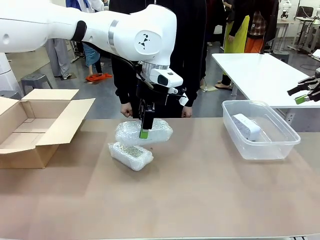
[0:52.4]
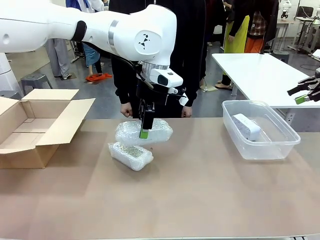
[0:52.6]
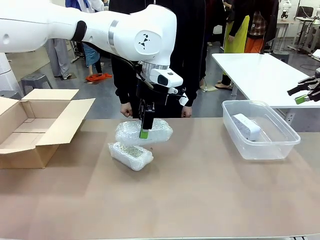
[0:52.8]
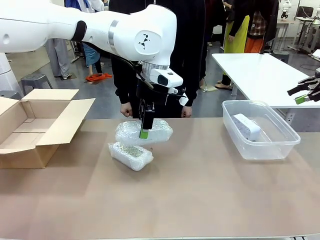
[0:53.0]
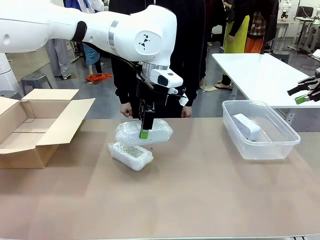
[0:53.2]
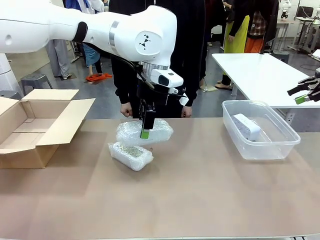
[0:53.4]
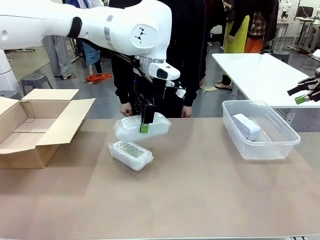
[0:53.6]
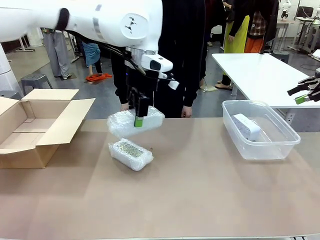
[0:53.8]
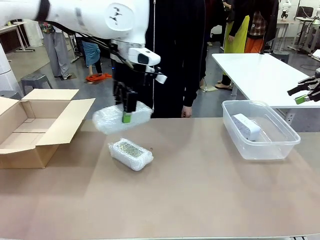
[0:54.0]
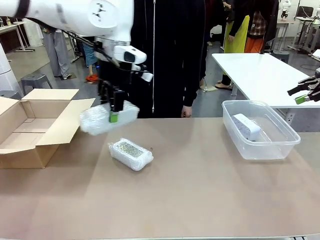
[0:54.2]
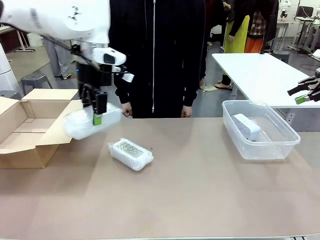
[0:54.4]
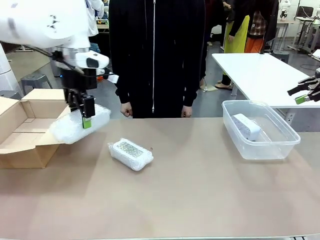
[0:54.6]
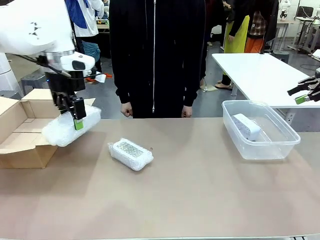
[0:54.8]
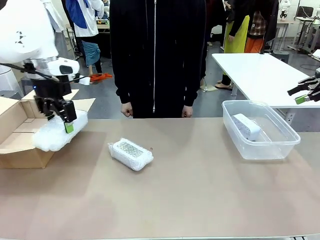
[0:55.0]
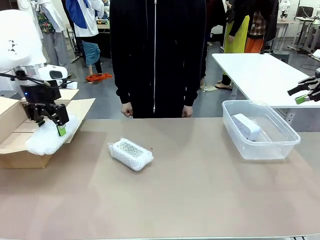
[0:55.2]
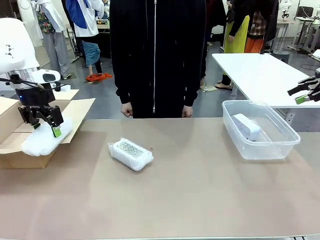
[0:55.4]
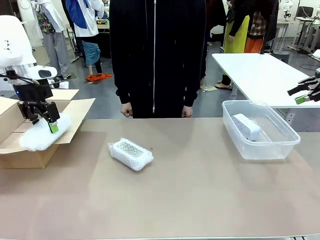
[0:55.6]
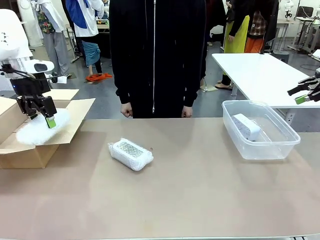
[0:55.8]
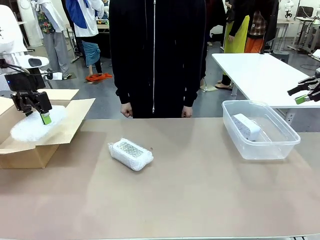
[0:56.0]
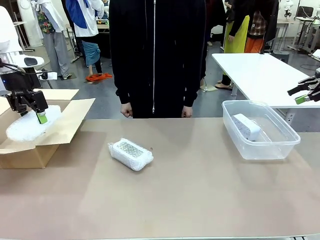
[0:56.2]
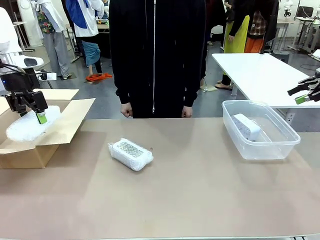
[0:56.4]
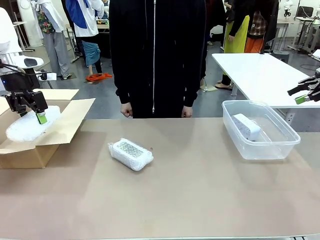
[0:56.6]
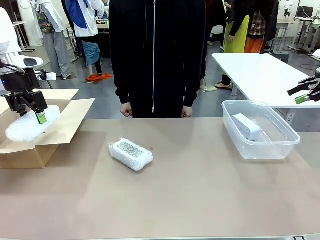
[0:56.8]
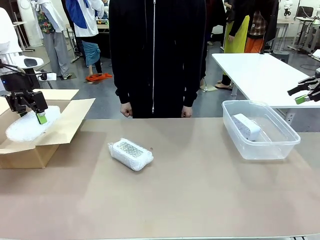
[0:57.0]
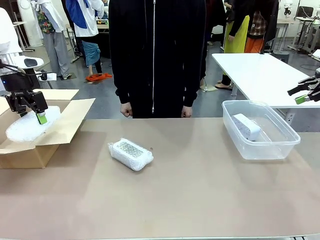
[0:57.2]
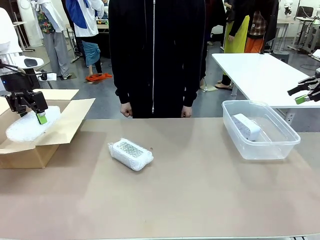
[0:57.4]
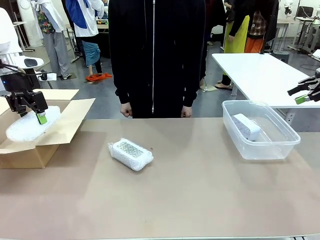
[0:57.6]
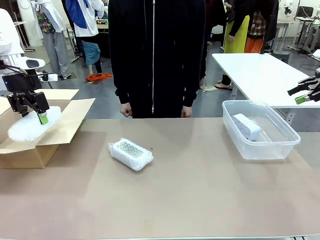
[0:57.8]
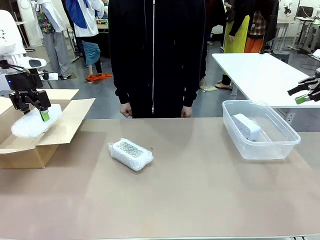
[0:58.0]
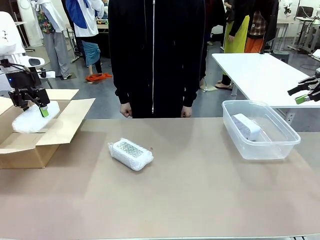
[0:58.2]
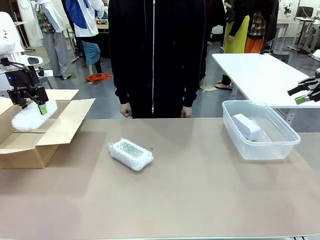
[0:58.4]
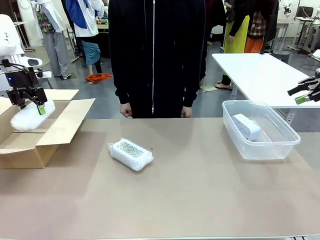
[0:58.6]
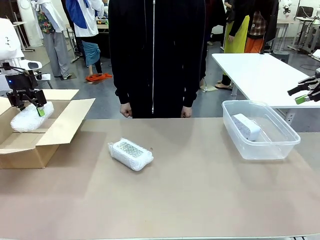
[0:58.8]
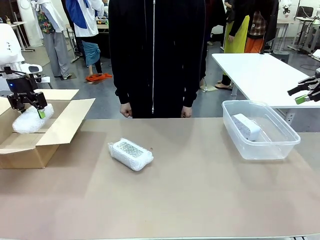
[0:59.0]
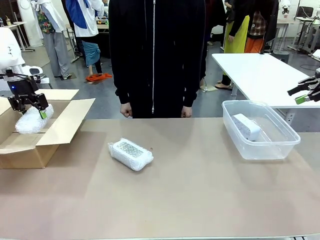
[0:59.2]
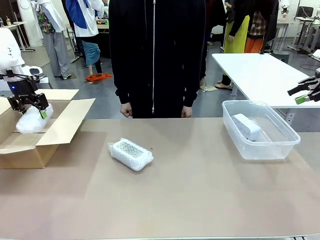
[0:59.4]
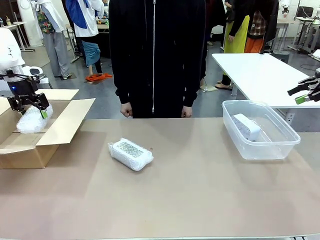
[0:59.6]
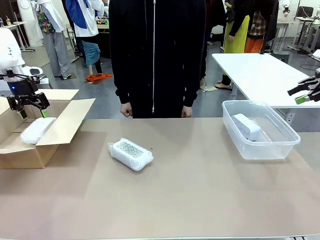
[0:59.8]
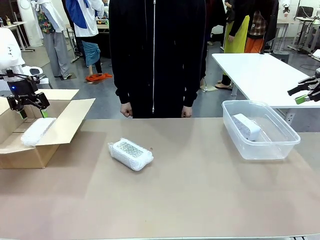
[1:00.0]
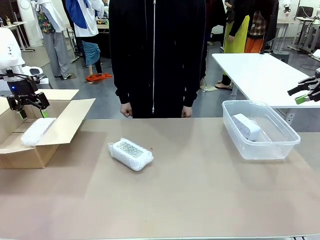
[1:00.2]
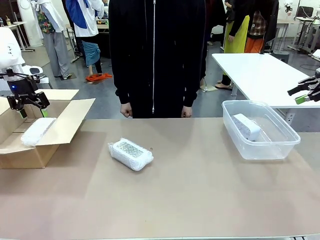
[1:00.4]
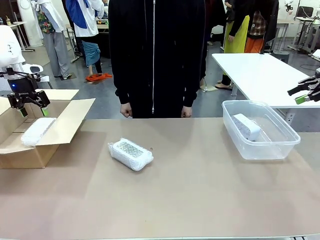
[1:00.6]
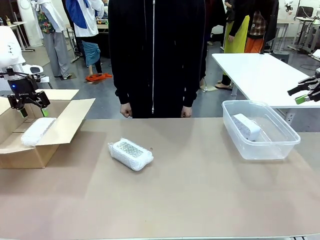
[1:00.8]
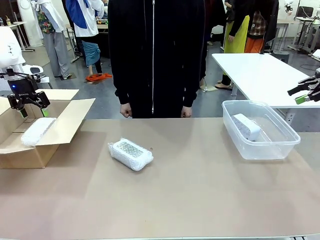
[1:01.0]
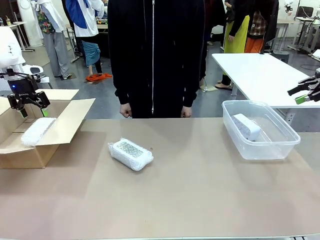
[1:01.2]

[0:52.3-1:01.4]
Task: Separate and place wrapped and unwrapped clocks.
Robot: If the picked Digital clock is wrapped, place it in the Package Box ; if not, place it in the Organizing box.

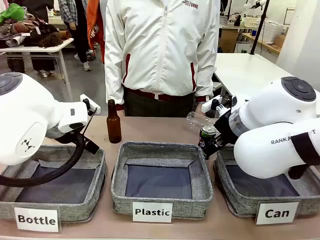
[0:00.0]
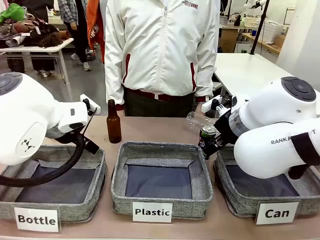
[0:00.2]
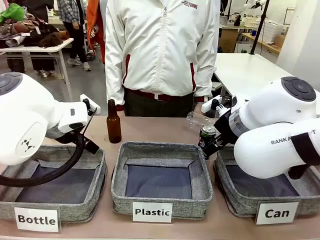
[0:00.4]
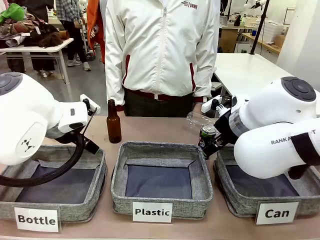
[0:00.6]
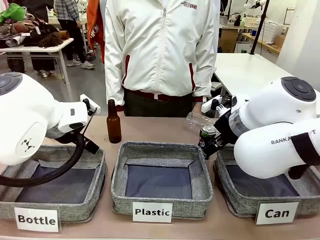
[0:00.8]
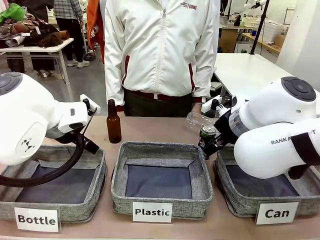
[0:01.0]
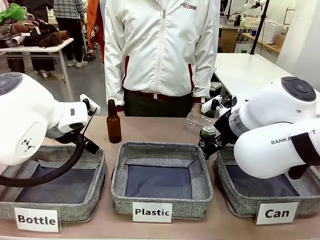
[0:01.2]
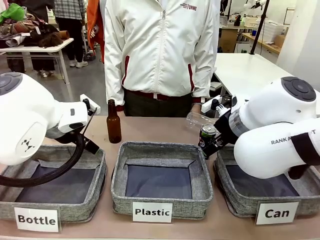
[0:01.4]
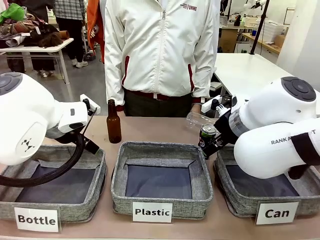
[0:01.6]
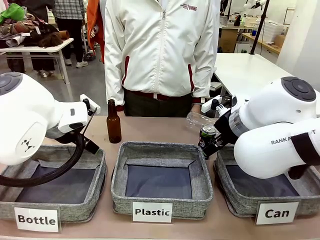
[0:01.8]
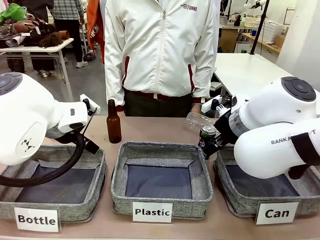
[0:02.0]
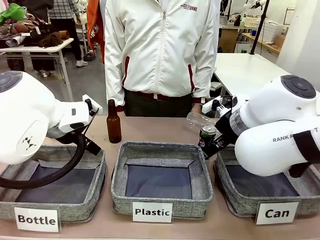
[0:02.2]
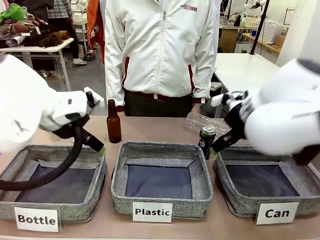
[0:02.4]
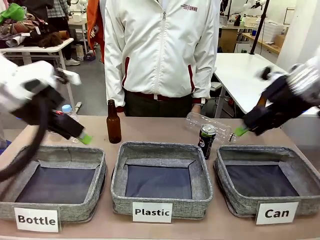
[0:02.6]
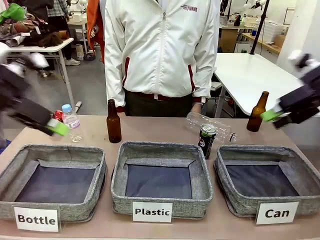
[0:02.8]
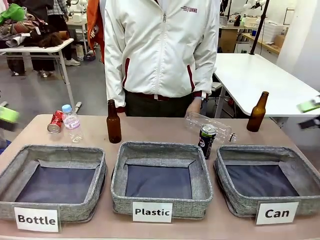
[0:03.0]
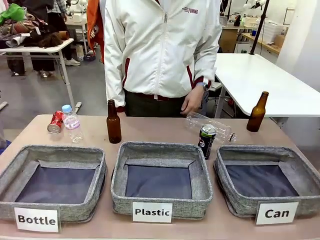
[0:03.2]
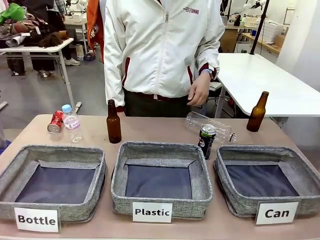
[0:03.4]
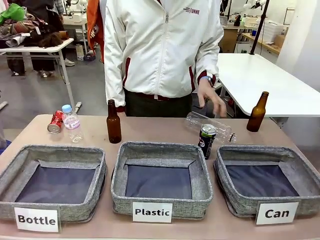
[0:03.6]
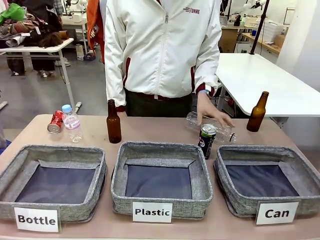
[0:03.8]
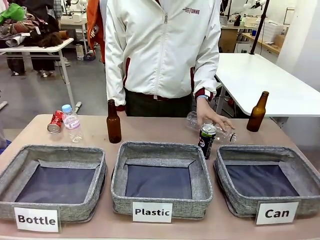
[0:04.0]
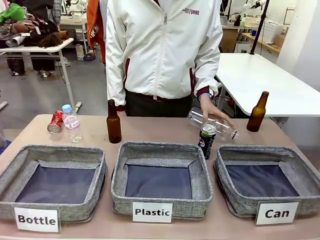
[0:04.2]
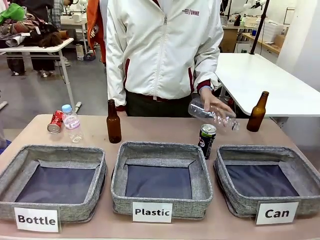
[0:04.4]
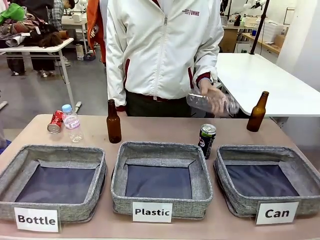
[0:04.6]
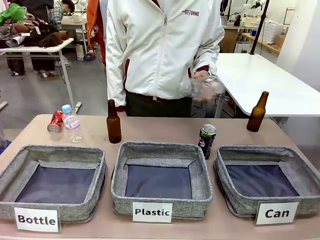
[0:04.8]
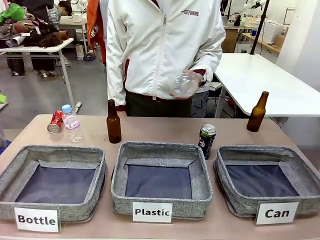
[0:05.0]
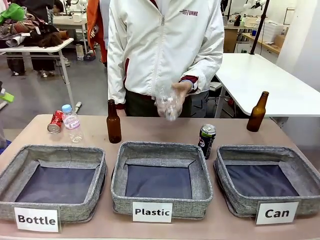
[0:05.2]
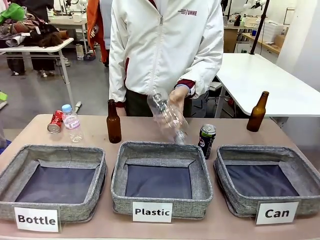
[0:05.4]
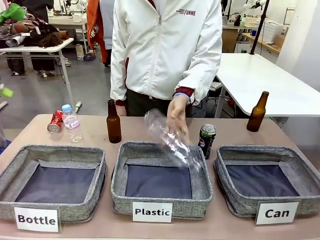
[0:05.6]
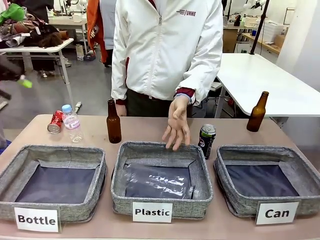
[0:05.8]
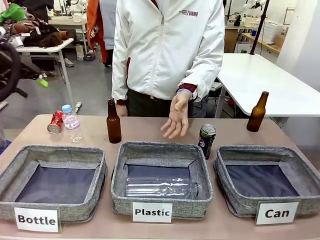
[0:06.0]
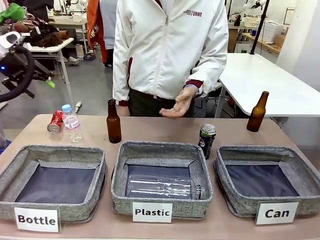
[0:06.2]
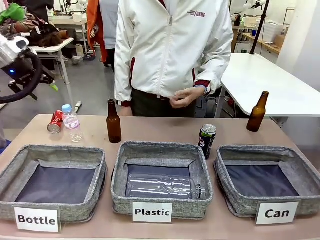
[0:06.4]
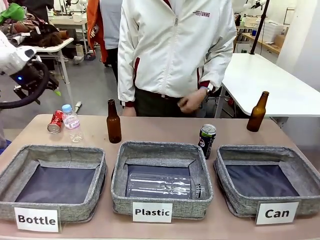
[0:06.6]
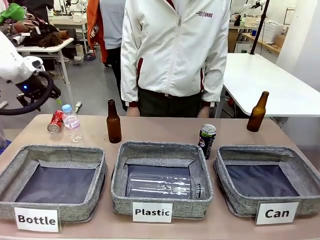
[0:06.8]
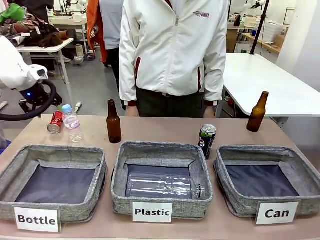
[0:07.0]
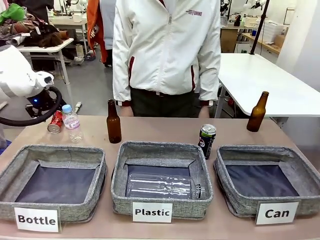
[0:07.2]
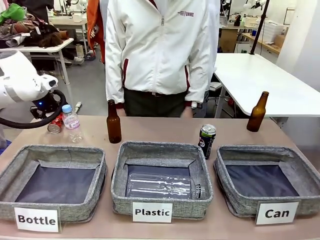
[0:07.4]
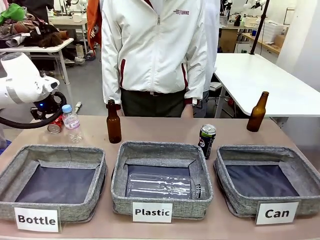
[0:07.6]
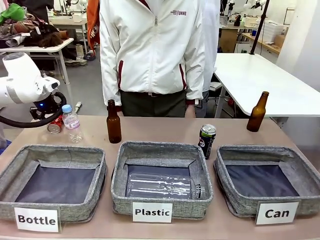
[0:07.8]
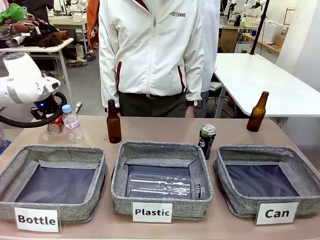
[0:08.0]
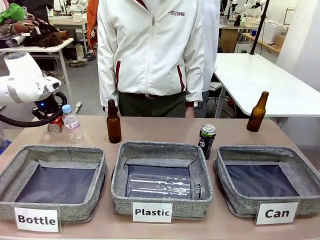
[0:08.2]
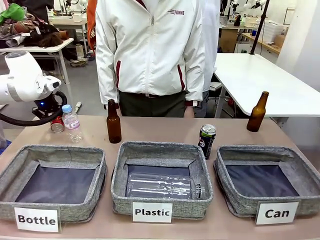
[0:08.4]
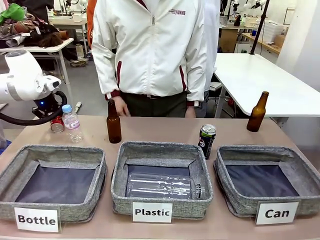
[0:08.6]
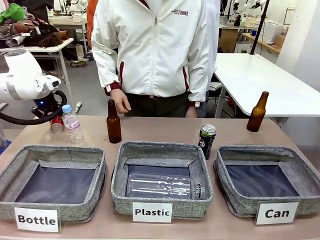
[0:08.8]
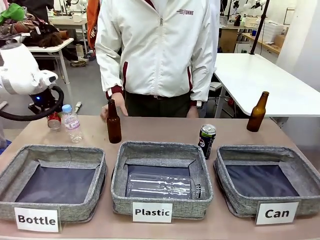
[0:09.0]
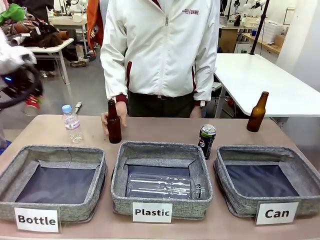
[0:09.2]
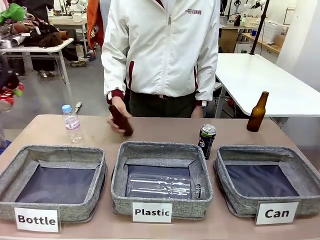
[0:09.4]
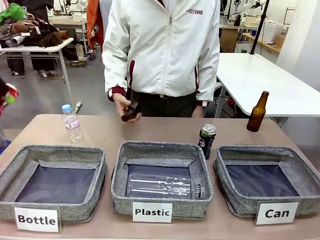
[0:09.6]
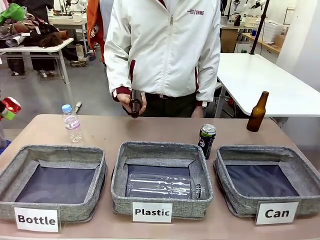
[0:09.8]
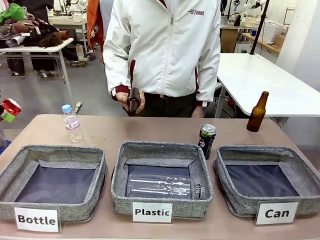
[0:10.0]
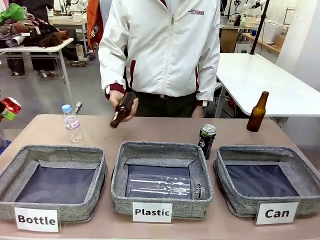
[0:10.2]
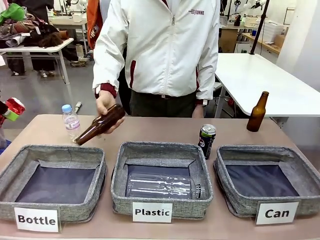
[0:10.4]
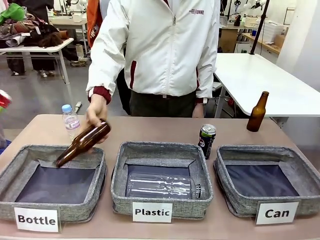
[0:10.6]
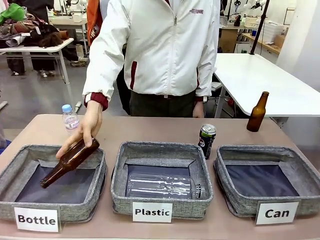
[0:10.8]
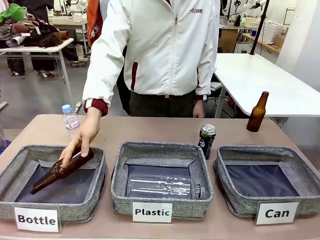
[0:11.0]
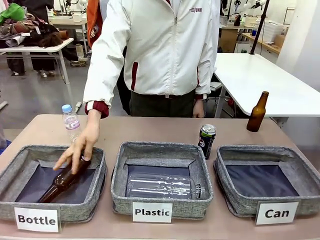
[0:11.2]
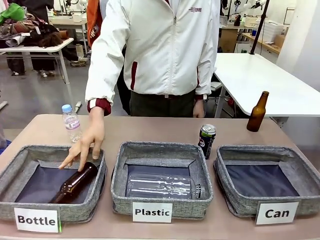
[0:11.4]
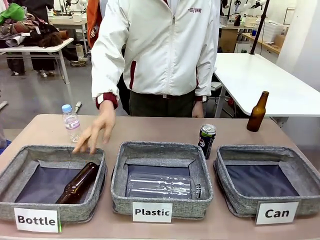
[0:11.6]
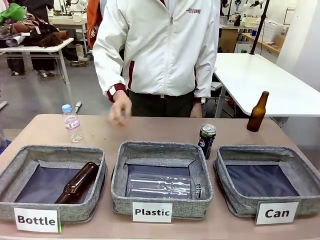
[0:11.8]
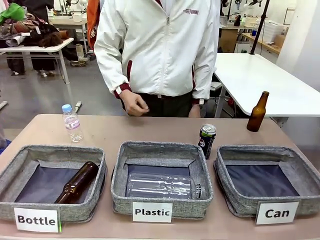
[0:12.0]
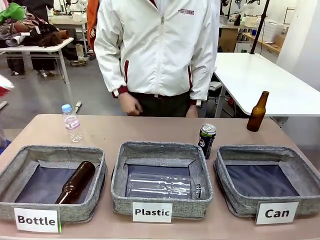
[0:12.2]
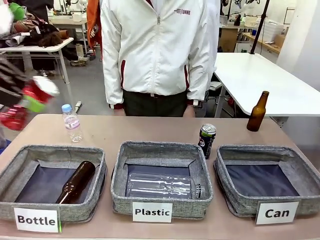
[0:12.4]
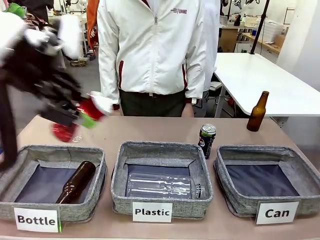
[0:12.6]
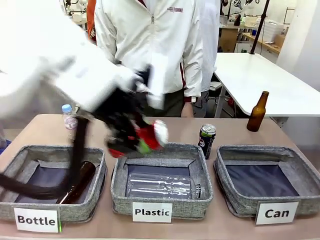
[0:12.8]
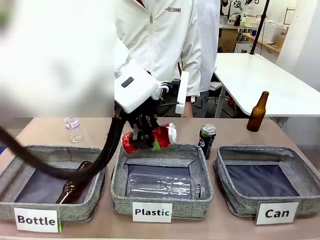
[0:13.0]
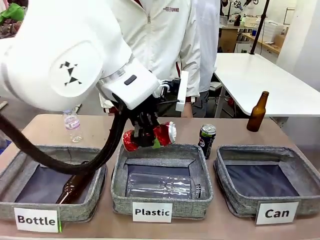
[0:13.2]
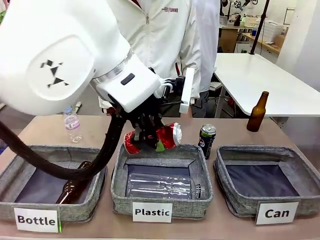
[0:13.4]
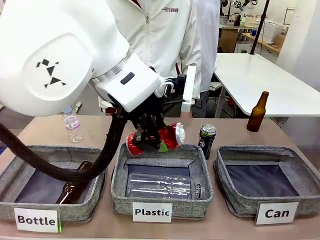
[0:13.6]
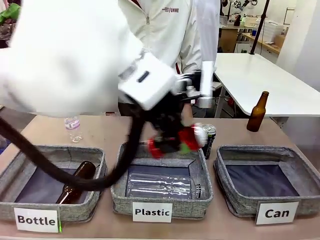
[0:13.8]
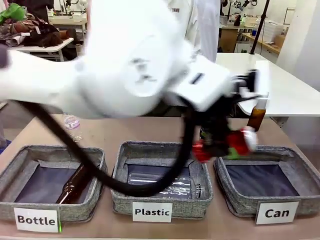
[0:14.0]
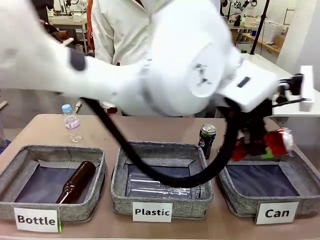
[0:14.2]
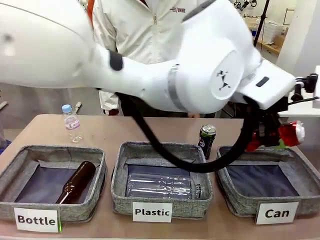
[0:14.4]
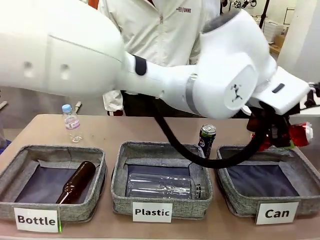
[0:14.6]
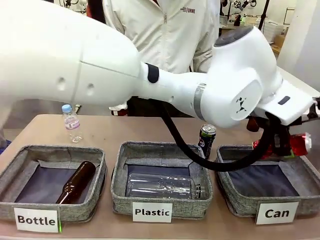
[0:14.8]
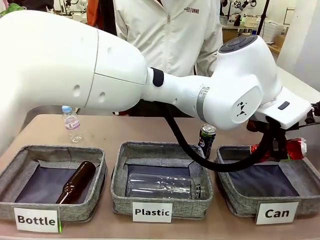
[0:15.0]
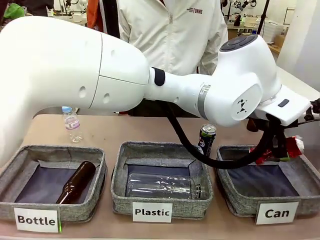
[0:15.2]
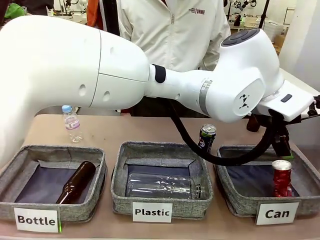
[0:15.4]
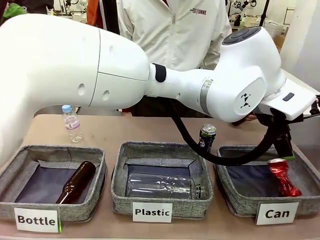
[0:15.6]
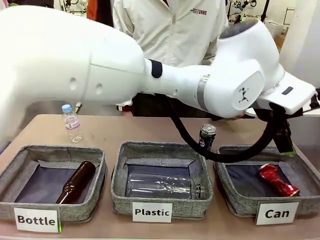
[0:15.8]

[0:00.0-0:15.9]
Task: Sort the can waste into the basket.
Robot: Pick up the can waste from the table and place it in the right Fabric basket.
